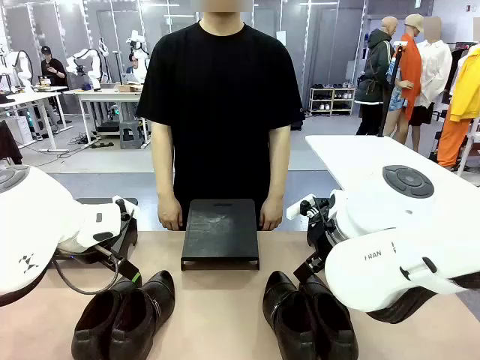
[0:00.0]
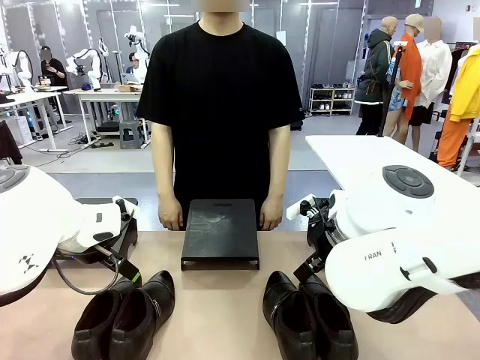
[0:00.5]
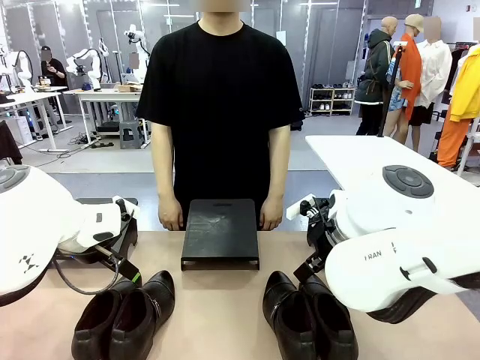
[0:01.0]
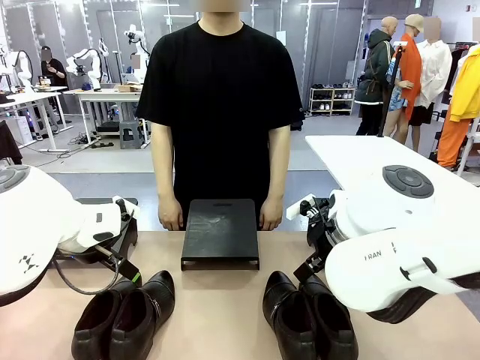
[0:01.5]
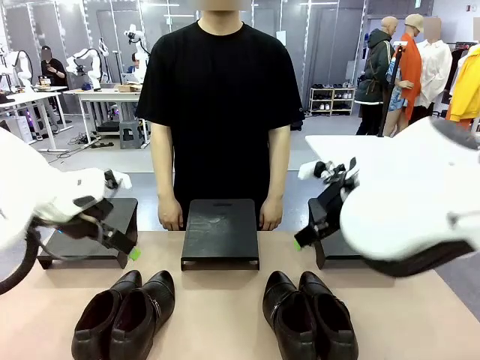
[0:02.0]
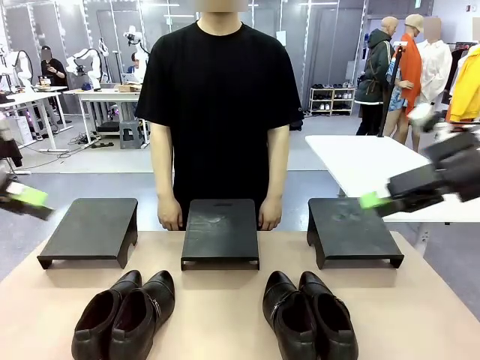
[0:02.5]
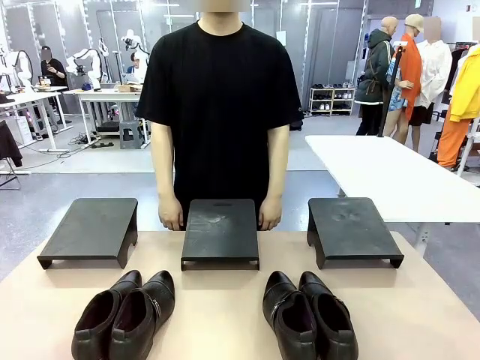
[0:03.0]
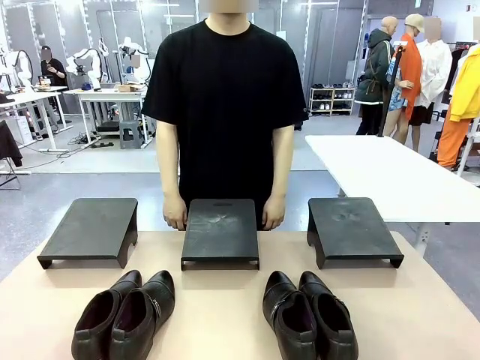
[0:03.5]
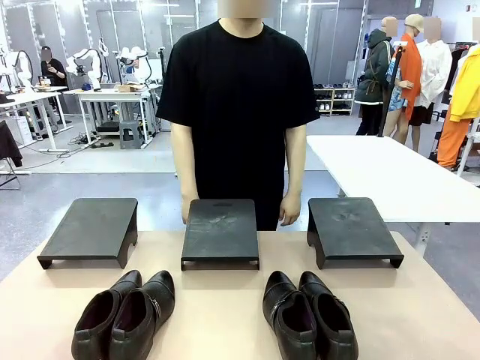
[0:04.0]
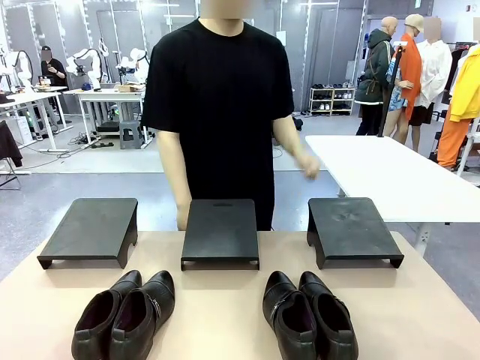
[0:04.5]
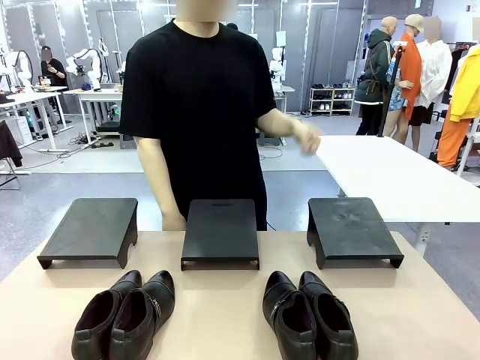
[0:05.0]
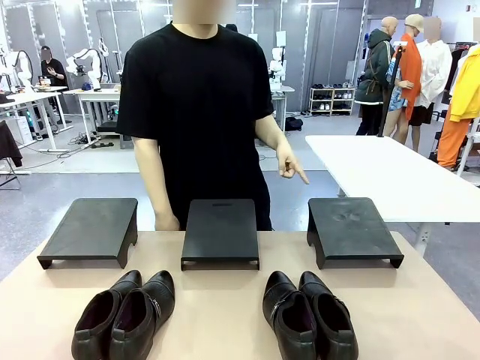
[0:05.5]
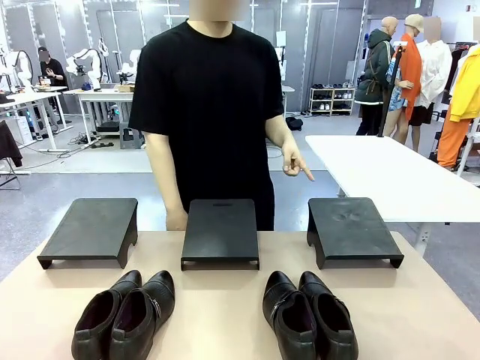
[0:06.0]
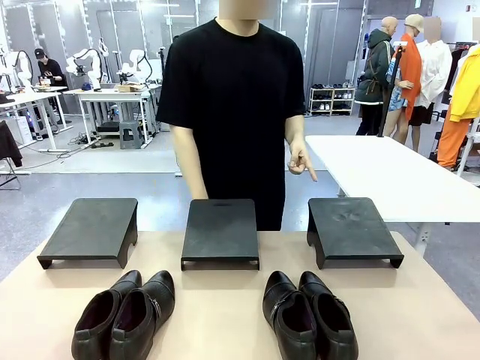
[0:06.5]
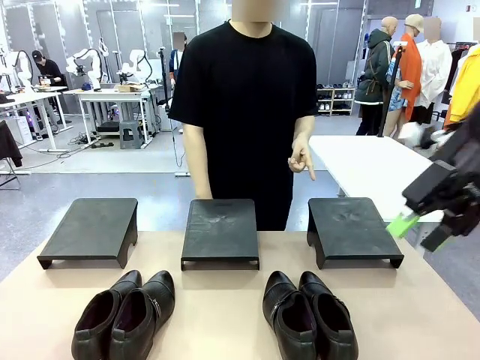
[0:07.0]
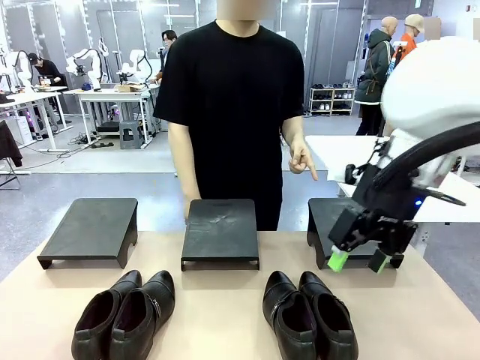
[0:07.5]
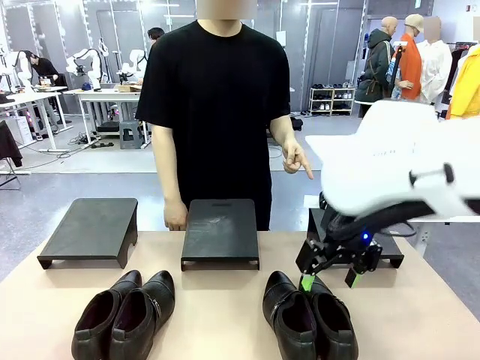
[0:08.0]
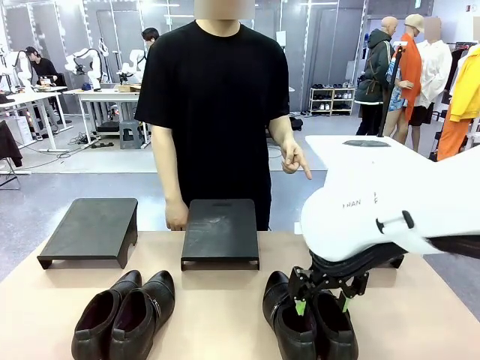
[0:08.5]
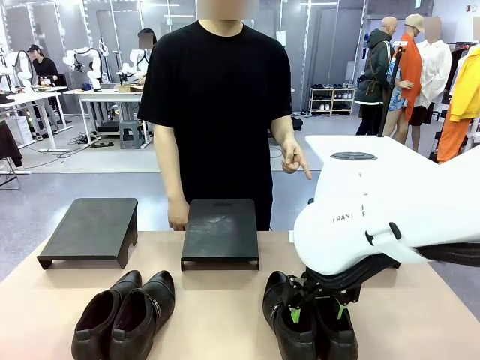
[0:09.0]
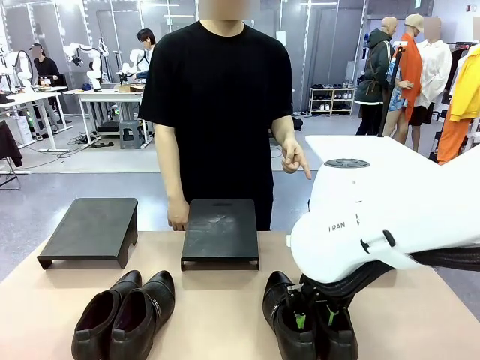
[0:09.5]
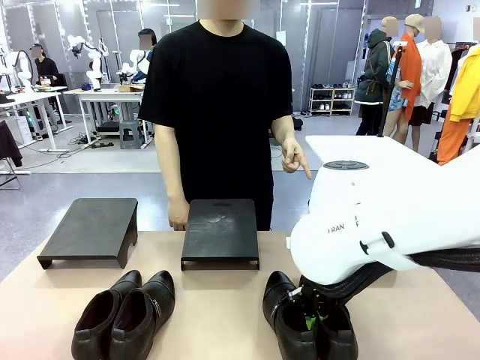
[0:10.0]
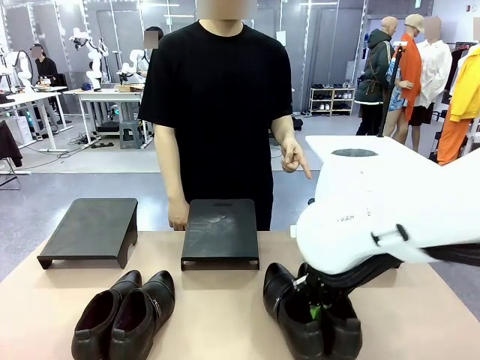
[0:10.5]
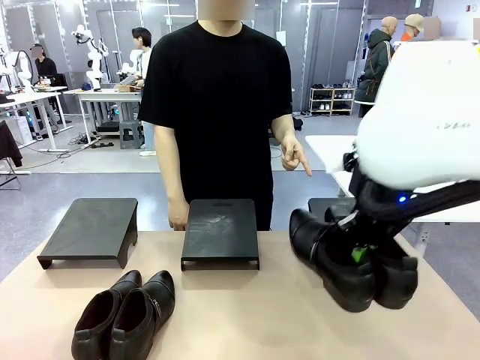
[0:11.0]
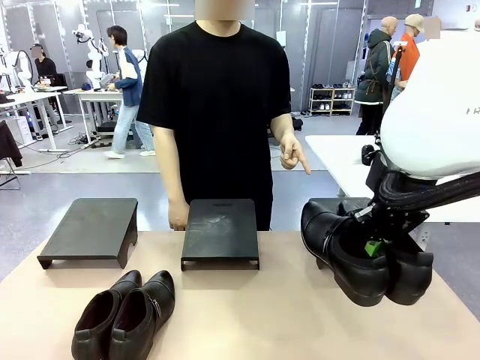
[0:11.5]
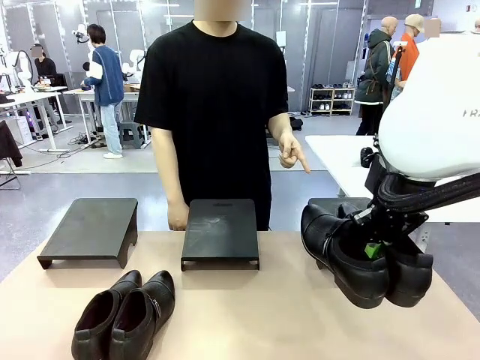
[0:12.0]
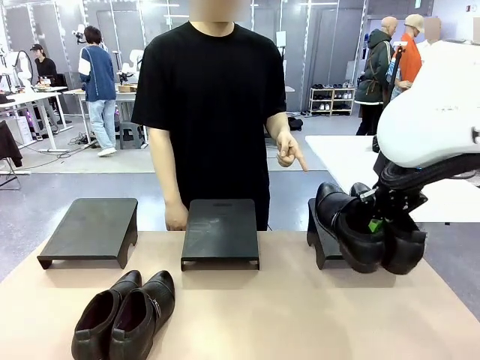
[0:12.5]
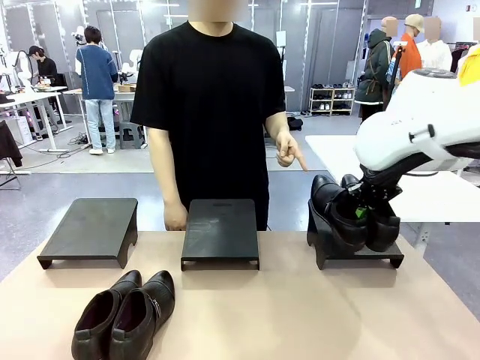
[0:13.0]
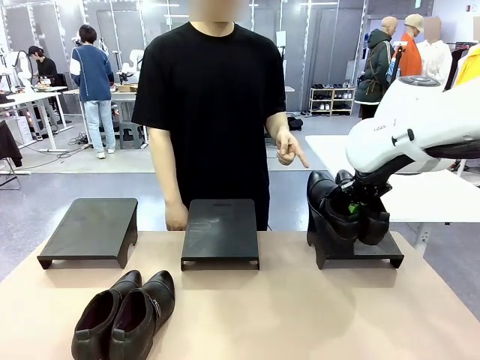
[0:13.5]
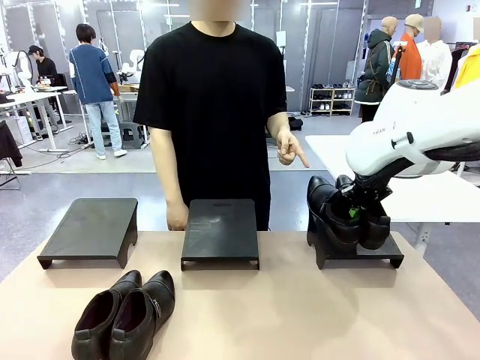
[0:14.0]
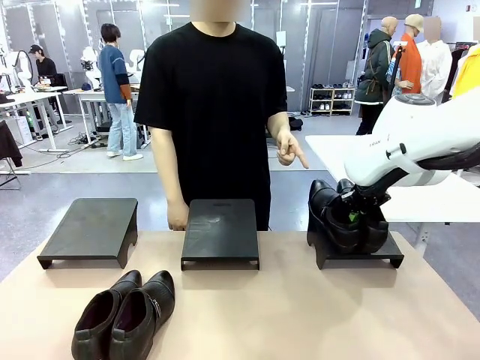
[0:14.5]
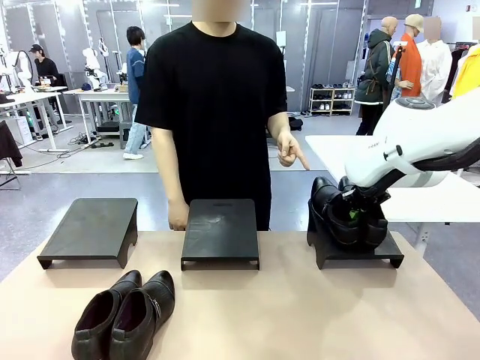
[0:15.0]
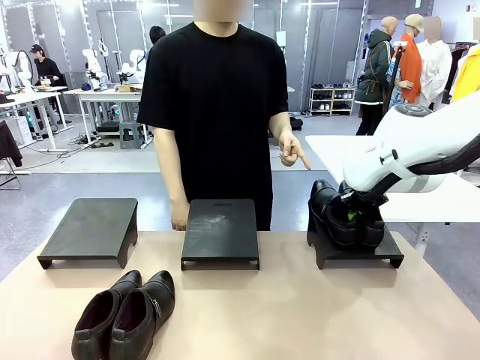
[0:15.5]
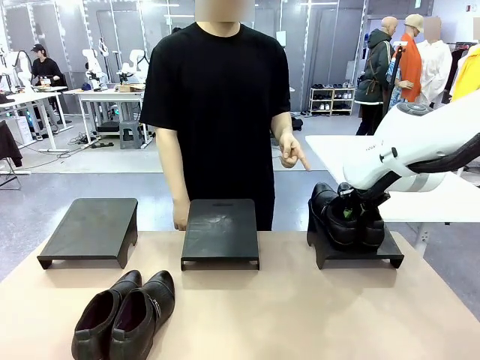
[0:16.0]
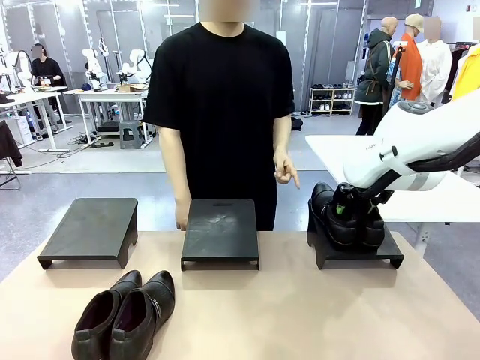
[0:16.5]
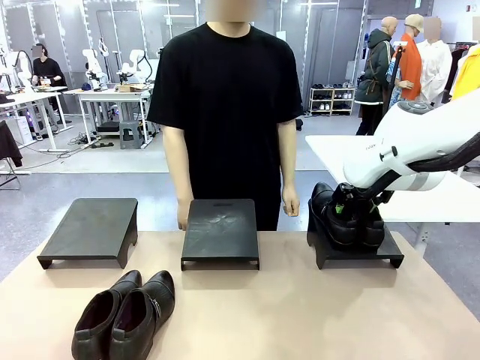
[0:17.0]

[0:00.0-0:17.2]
Task: Place the shoes on the stand as instructed by the person.
Robot: Pick up one pair of Shoes and place it on the Shoes Stand indicated by the person.
